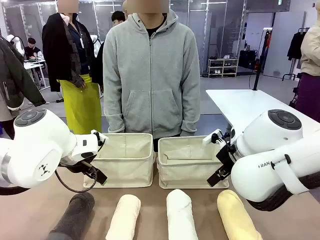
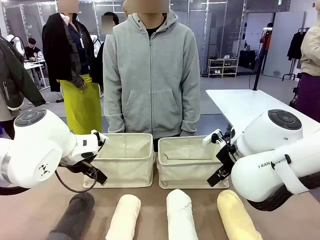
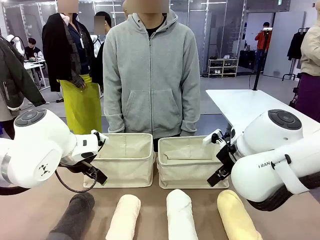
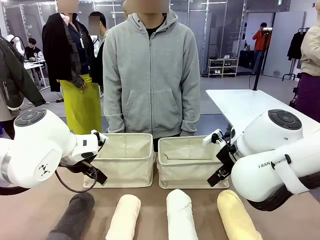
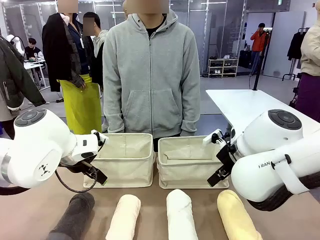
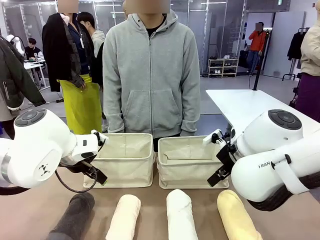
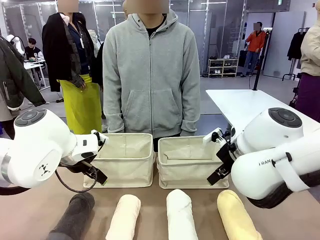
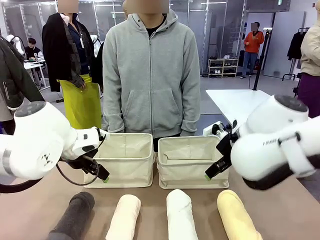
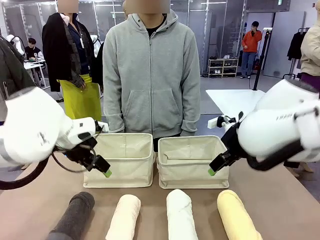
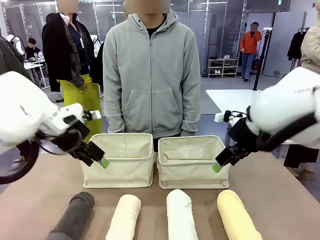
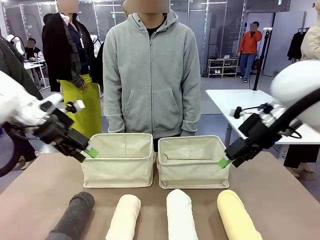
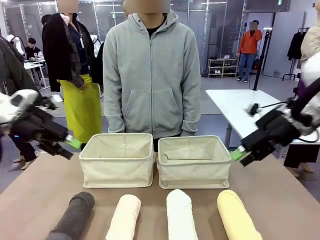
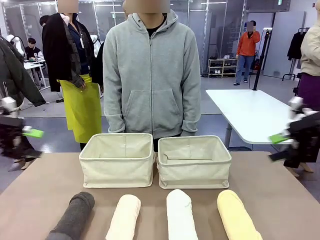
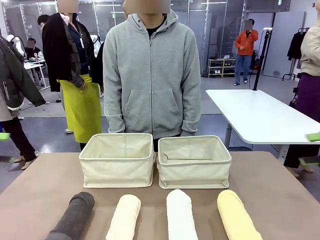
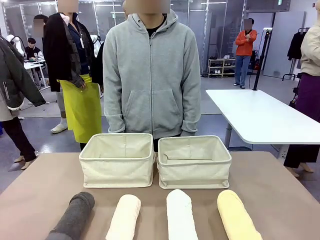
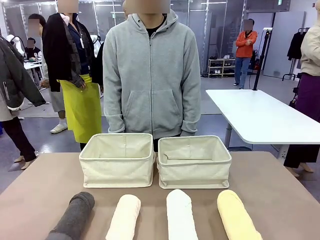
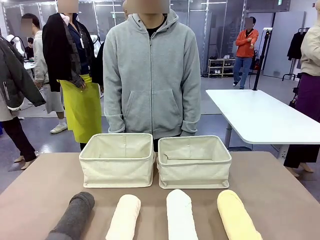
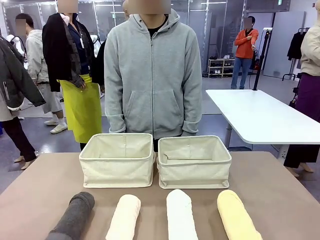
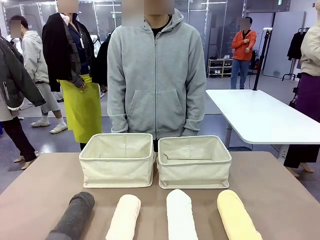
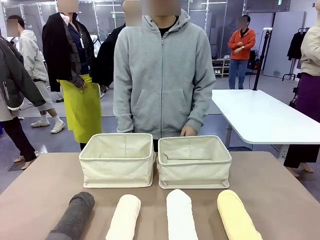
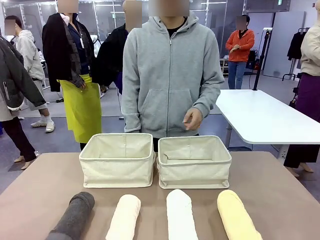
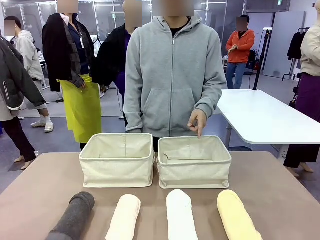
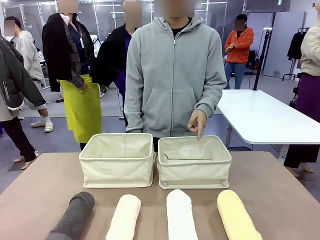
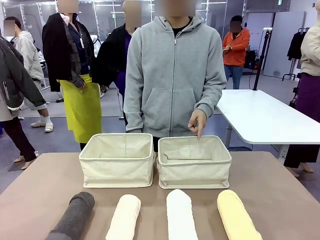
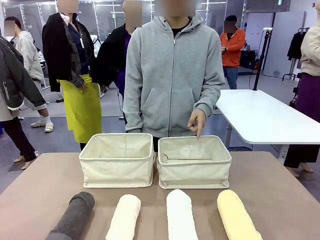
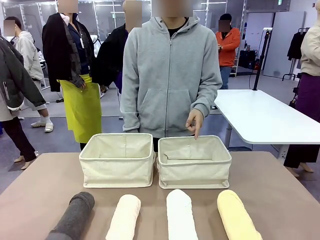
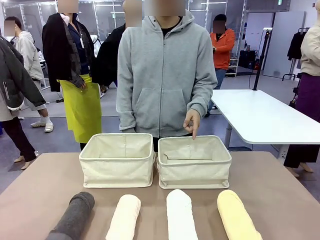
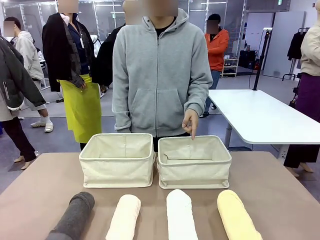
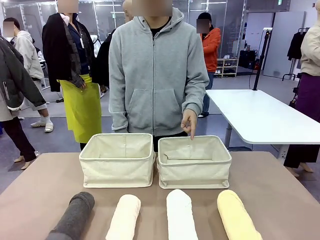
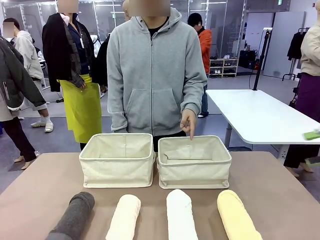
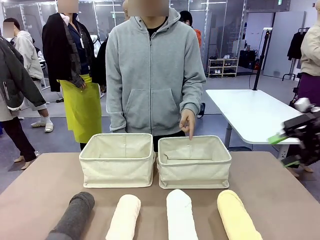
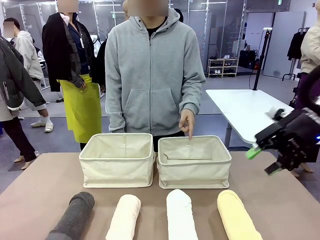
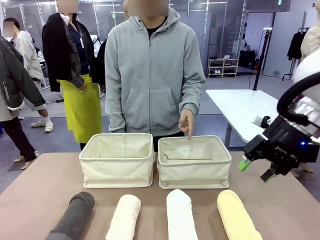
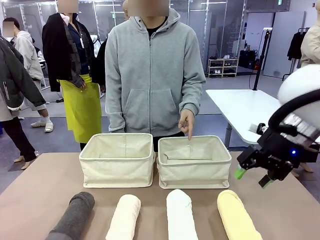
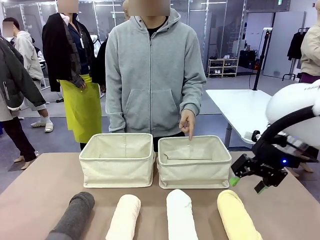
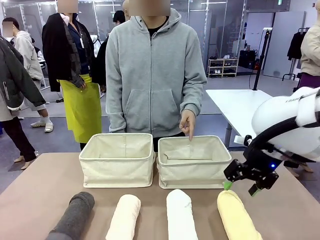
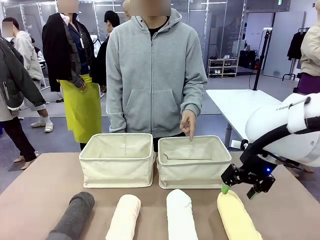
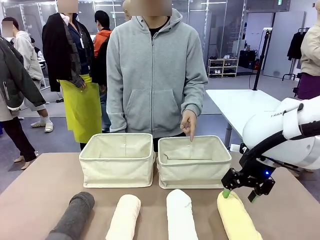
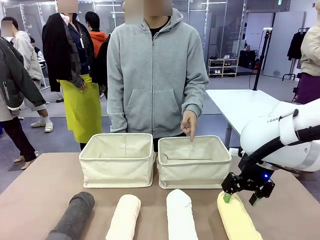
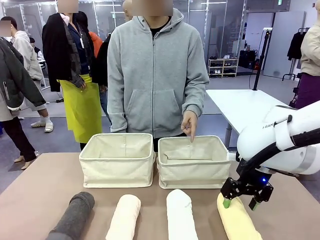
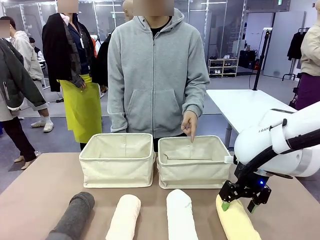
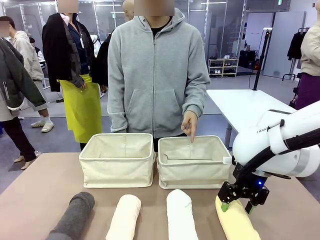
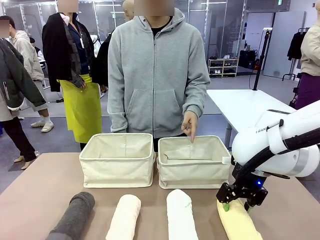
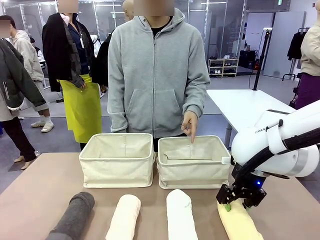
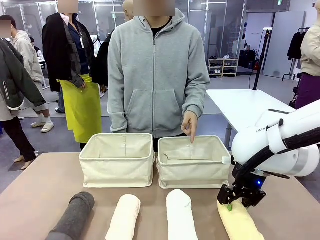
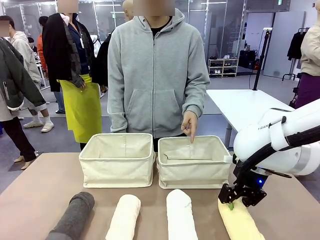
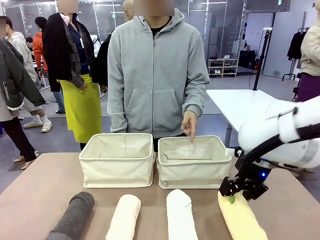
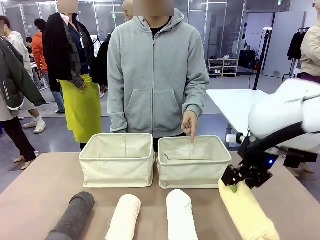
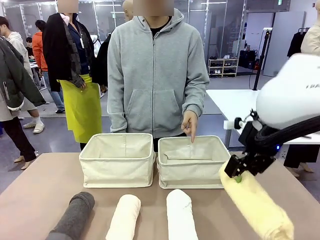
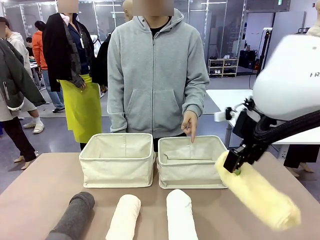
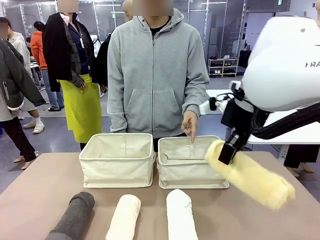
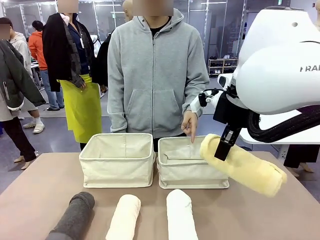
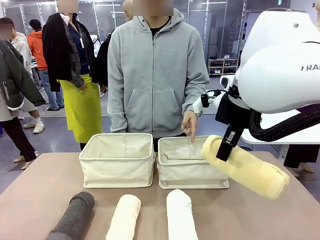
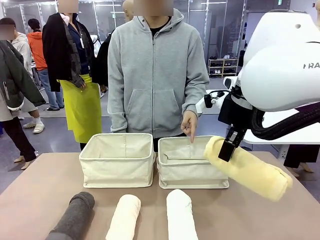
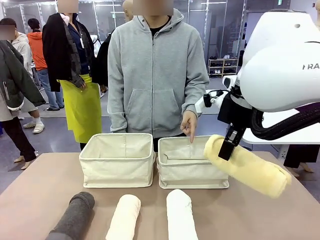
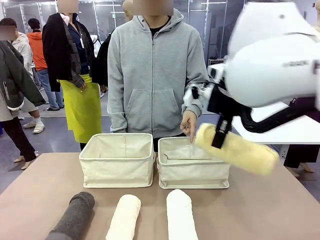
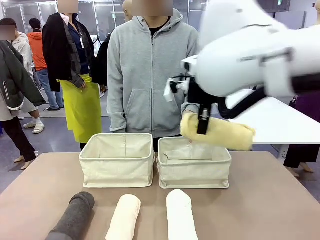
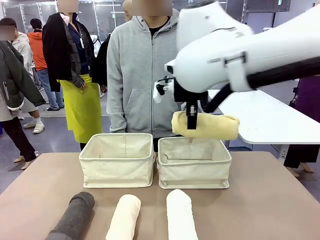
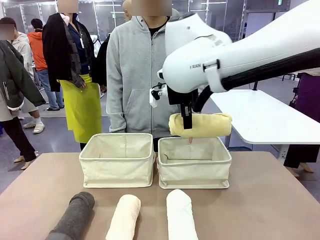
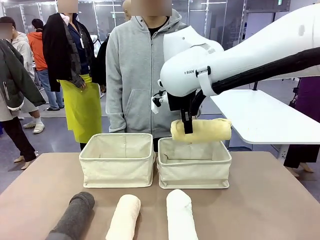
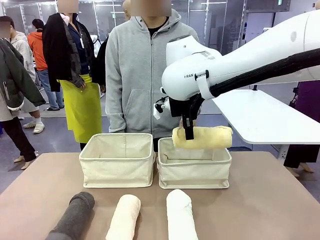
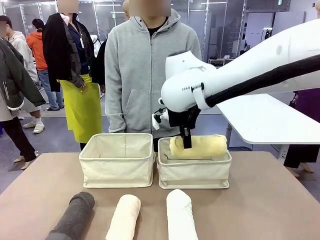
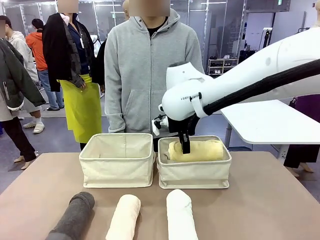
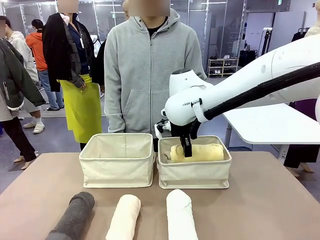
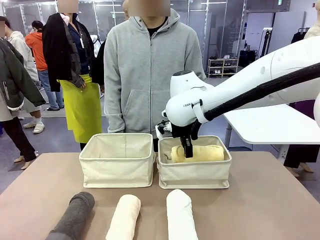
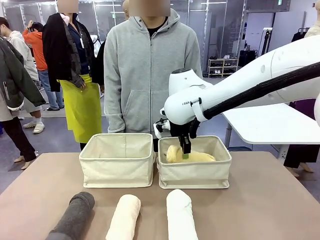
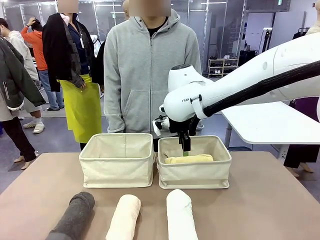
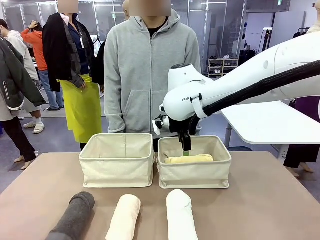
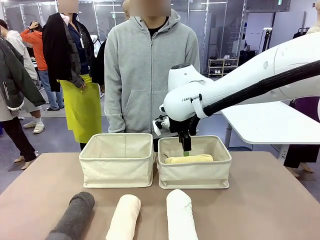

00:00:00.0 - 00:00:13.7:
Task: Divide the towels into two baskets.
Robot: Pick up one hotel-folded towel and place it in the Fabric basket indicated by the person.
